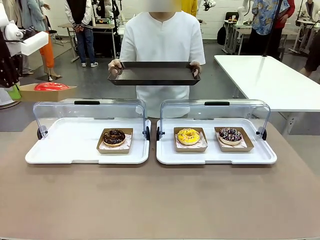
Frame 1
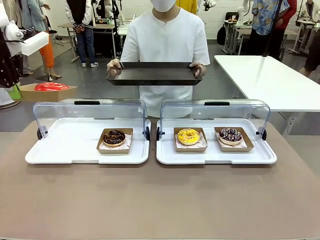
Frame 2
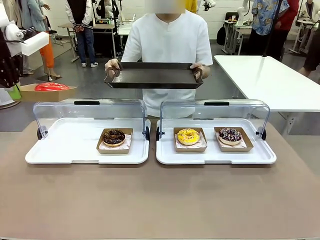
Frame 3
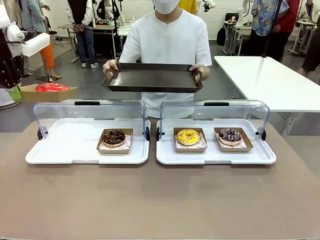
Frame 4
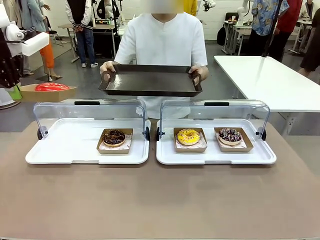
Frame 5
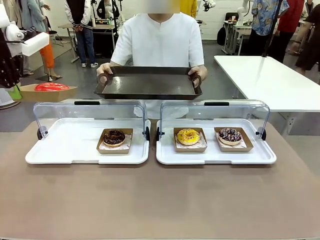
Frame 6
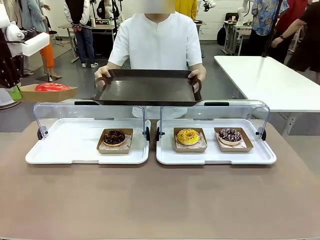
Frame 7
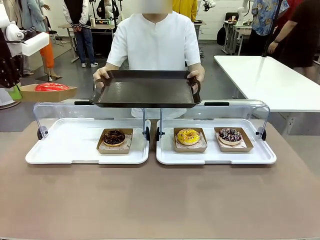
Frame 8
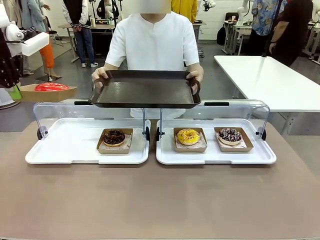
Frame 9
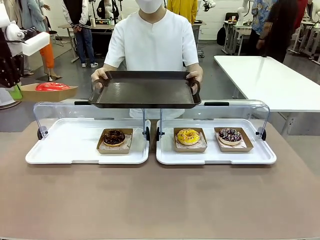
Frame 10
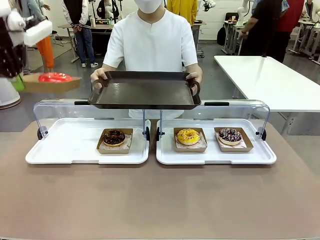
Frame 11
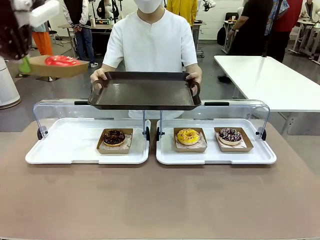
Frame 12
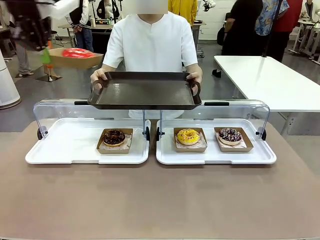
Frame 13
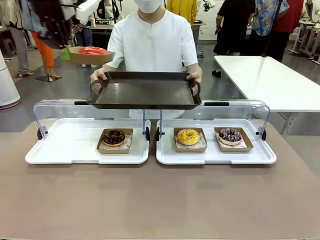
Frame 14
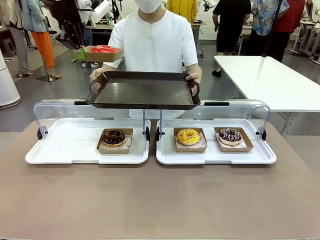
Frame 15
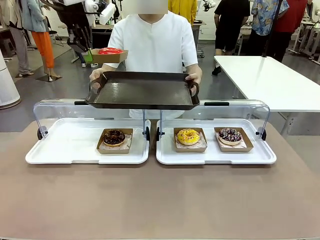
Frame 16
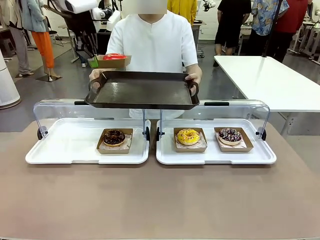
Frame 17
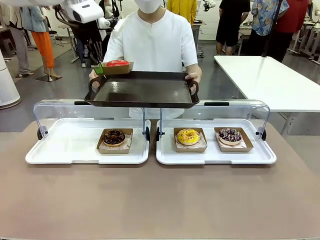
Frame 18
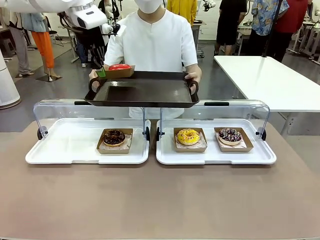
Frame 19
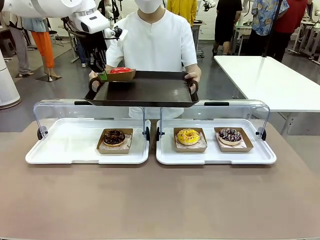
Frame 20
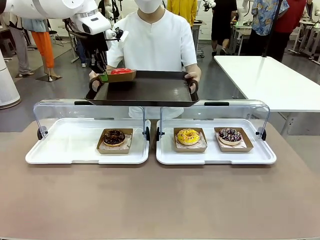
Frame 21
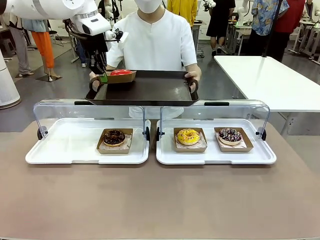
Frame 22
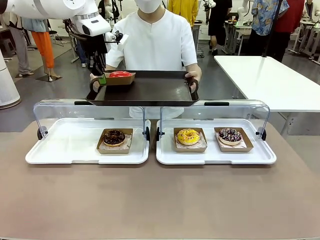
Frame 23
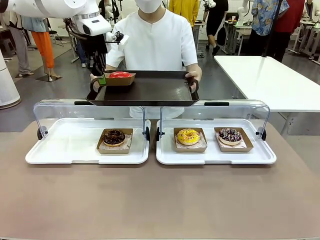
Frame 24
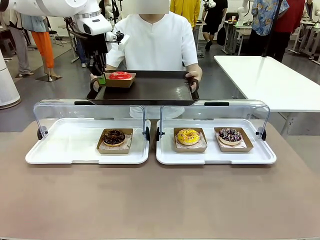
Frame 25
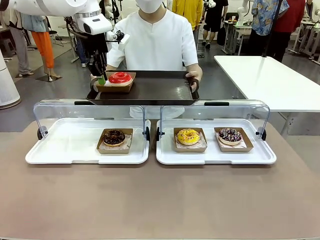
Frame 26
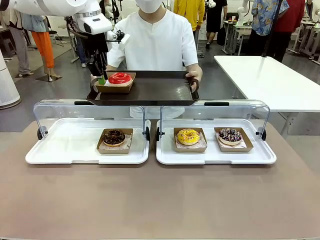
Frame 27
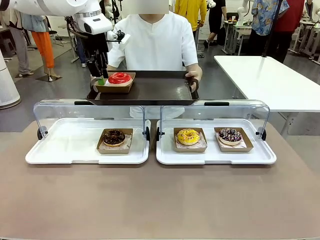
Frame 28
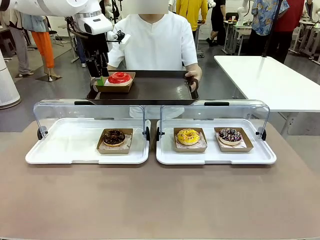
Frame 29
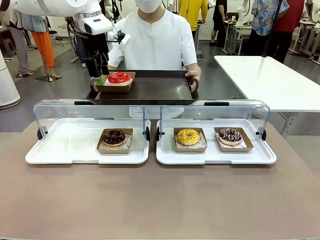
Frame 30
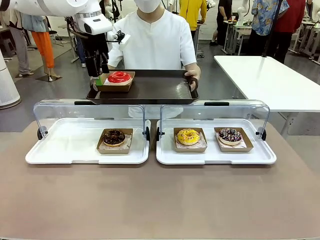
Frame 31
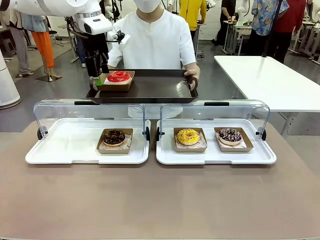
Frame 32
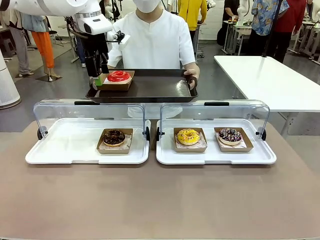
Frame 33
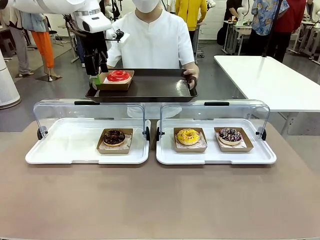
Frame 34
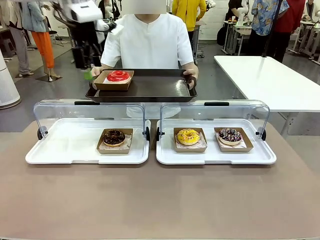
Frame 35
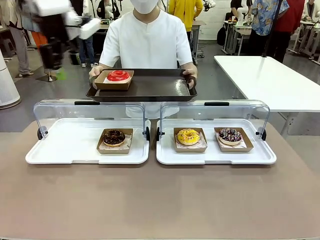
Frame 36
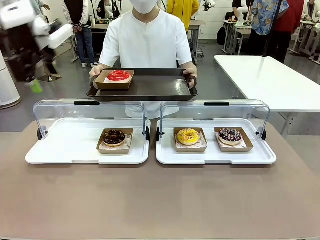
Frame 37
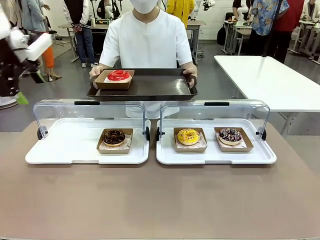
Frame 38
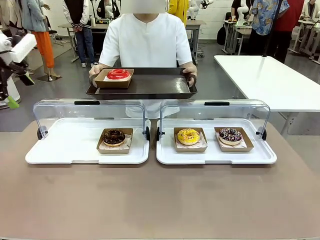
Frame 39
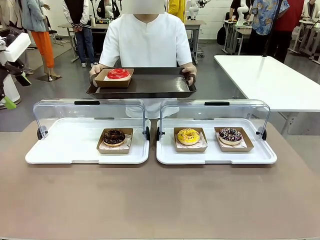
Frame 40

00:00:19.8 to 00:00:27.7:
Task: Provide the desired donut to the person.
Robot: Place the picked Paper togo box onto the Handle tray extended by the person.

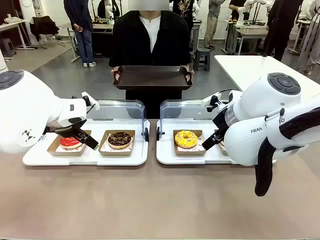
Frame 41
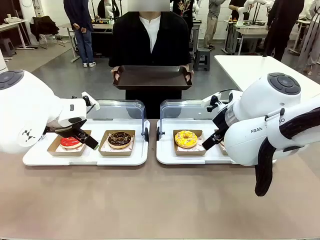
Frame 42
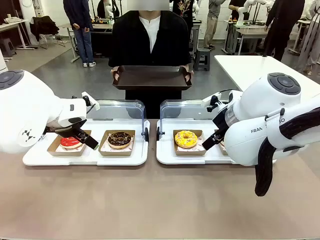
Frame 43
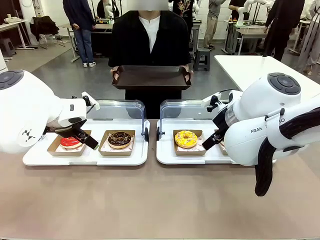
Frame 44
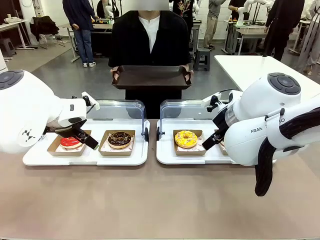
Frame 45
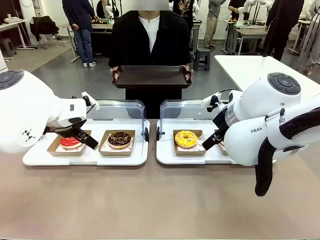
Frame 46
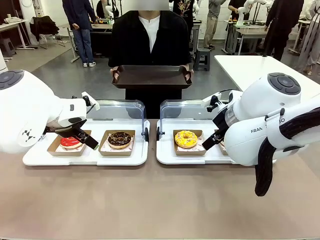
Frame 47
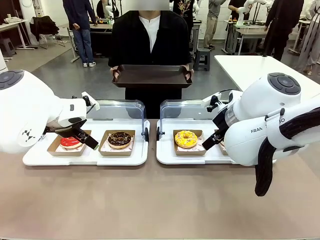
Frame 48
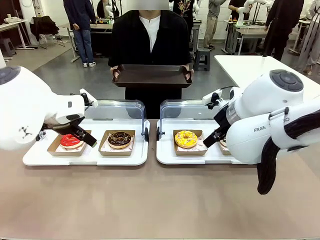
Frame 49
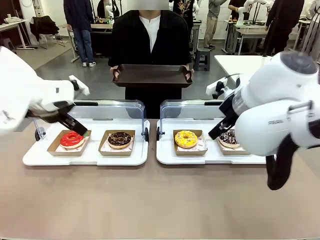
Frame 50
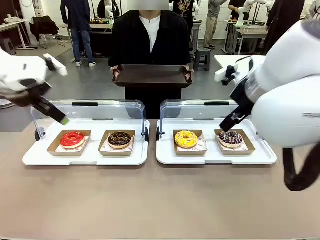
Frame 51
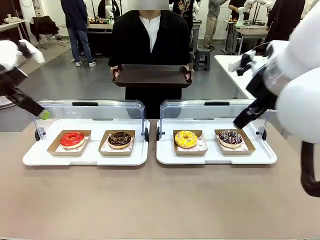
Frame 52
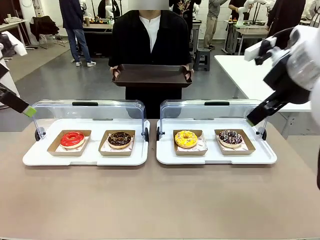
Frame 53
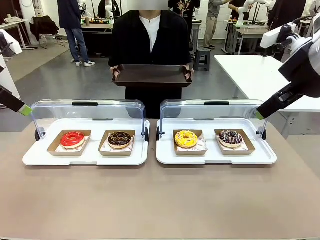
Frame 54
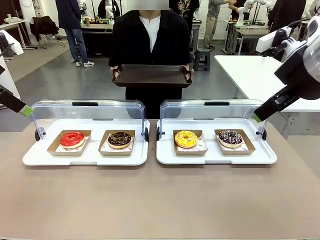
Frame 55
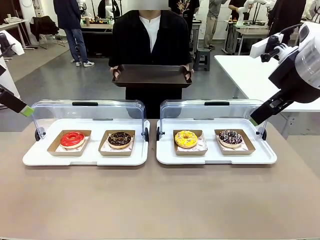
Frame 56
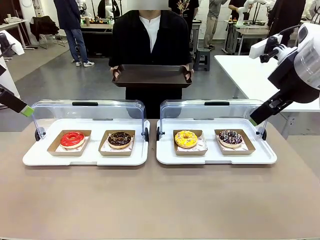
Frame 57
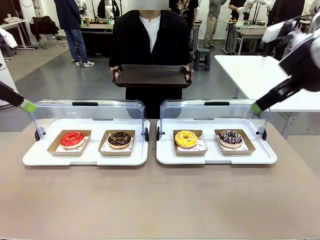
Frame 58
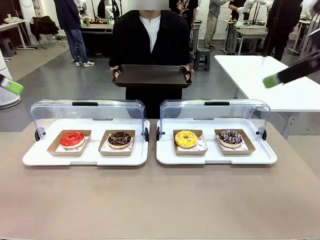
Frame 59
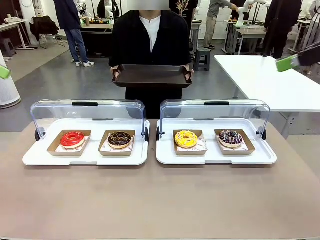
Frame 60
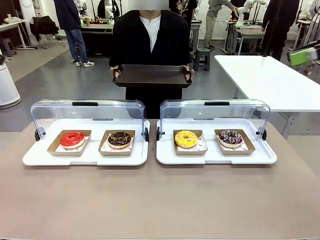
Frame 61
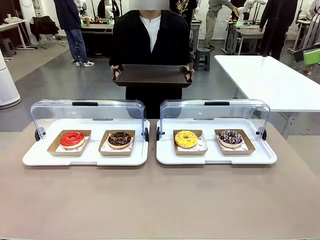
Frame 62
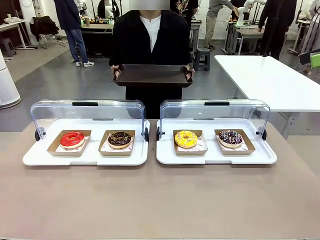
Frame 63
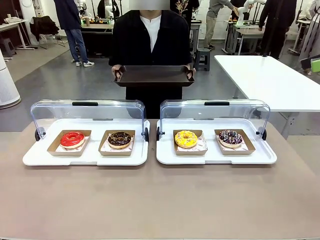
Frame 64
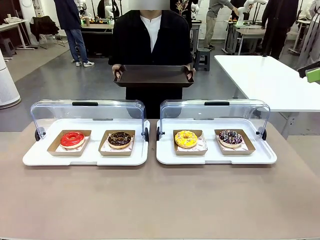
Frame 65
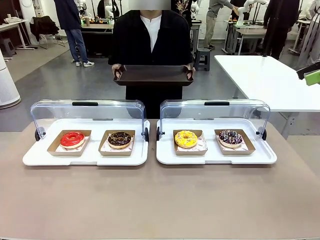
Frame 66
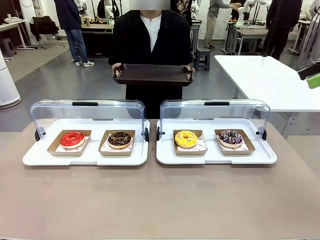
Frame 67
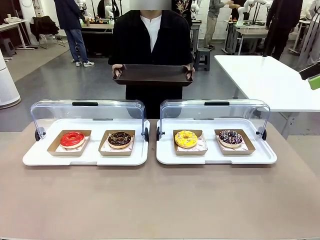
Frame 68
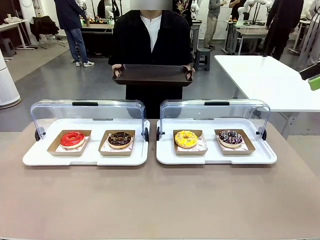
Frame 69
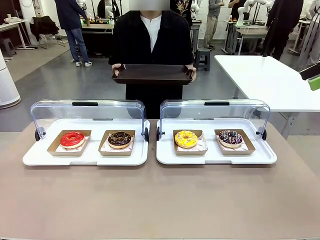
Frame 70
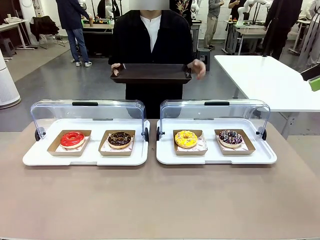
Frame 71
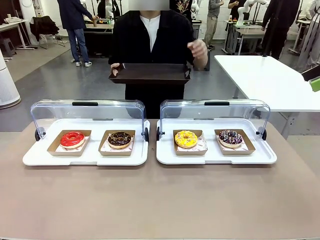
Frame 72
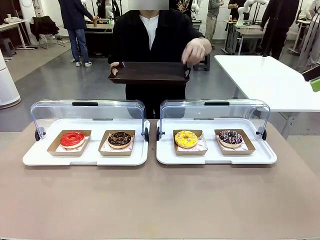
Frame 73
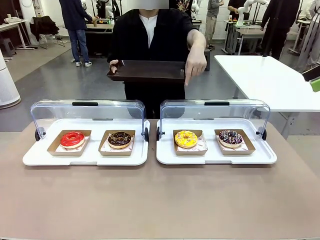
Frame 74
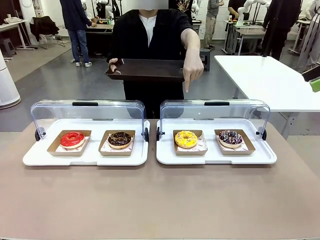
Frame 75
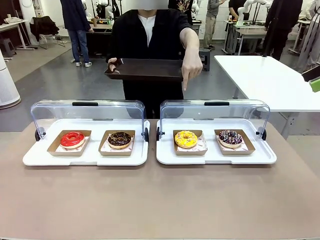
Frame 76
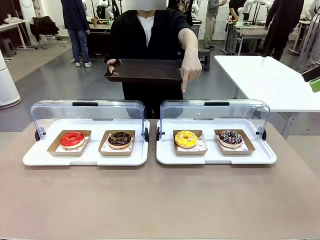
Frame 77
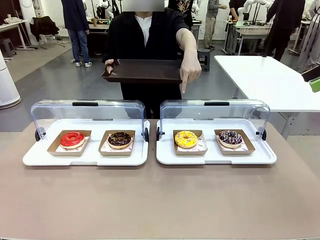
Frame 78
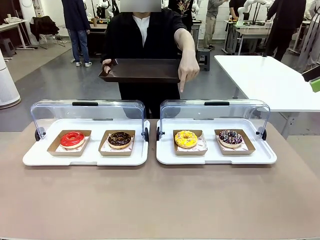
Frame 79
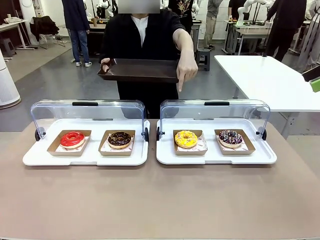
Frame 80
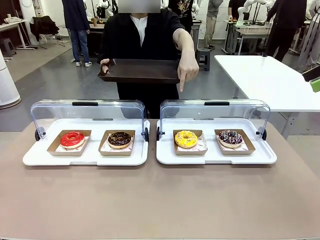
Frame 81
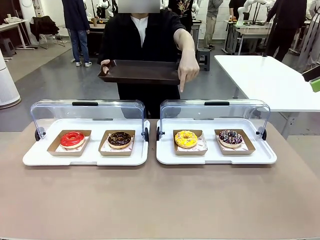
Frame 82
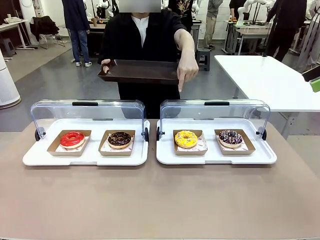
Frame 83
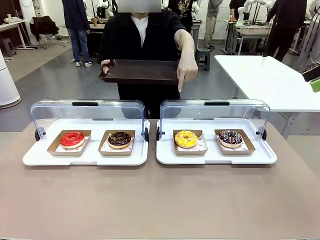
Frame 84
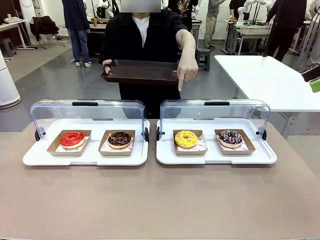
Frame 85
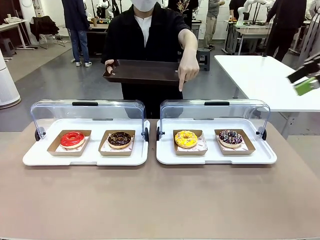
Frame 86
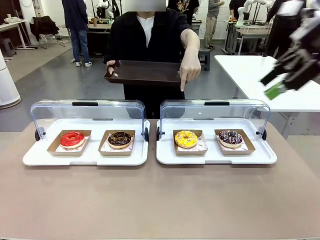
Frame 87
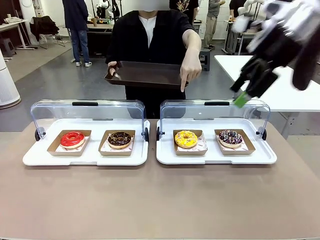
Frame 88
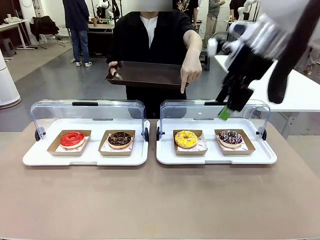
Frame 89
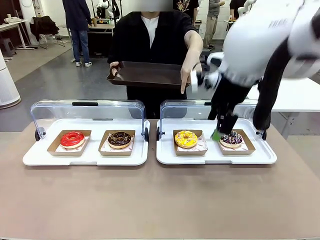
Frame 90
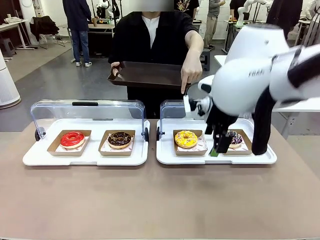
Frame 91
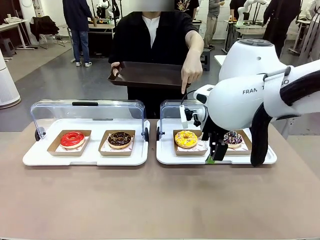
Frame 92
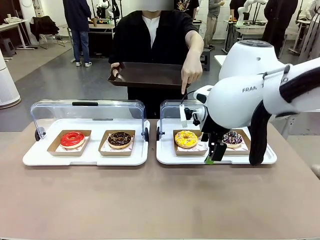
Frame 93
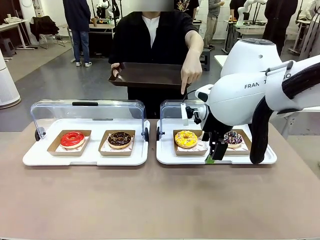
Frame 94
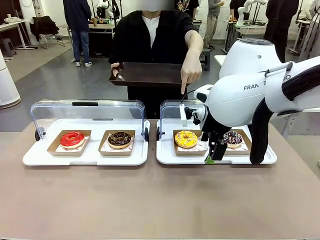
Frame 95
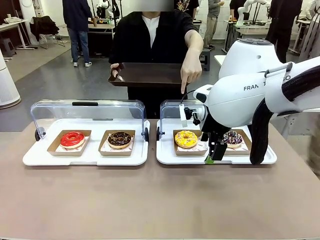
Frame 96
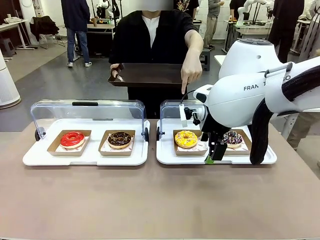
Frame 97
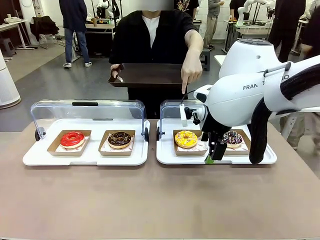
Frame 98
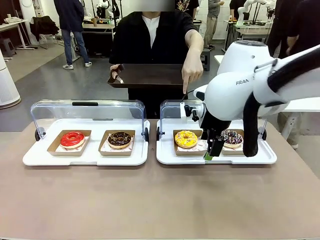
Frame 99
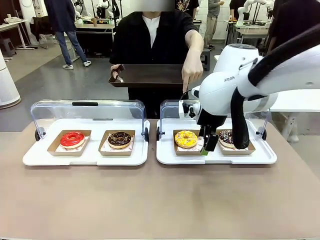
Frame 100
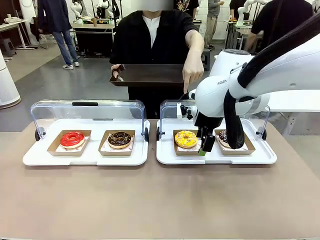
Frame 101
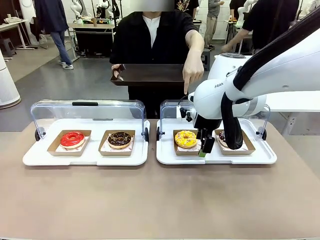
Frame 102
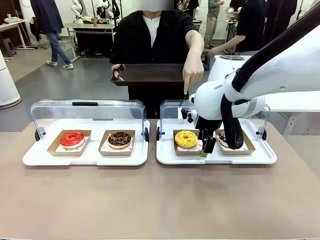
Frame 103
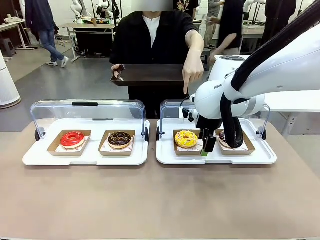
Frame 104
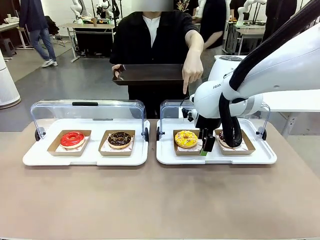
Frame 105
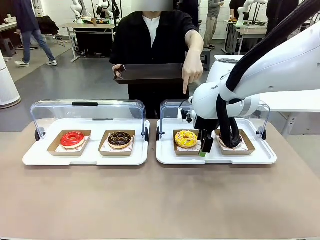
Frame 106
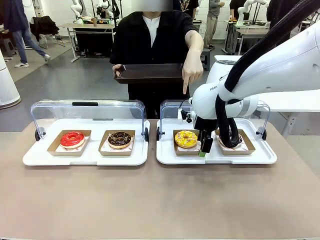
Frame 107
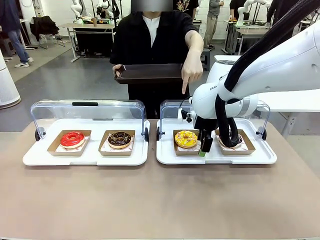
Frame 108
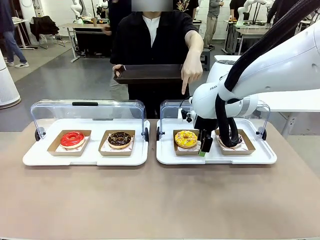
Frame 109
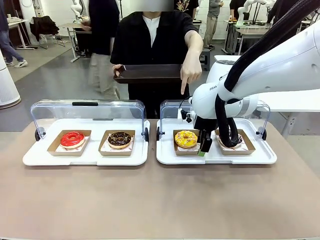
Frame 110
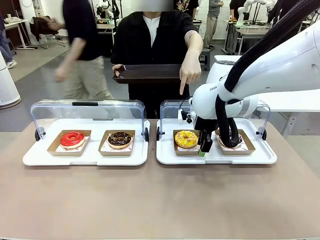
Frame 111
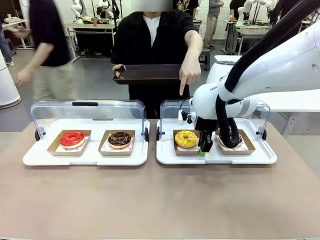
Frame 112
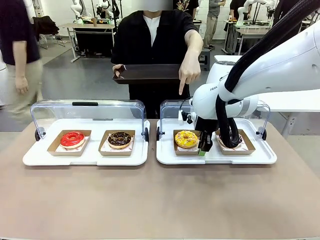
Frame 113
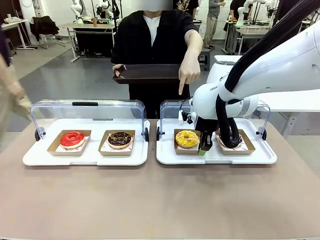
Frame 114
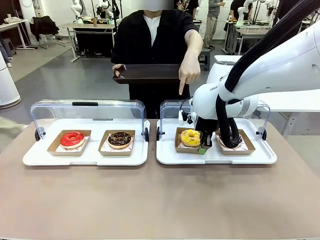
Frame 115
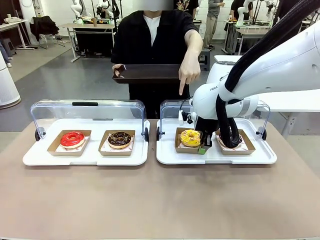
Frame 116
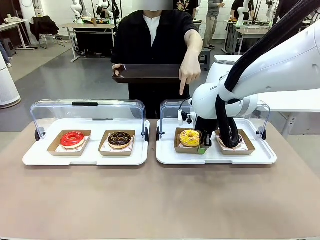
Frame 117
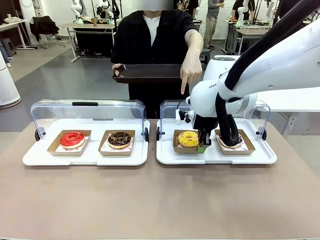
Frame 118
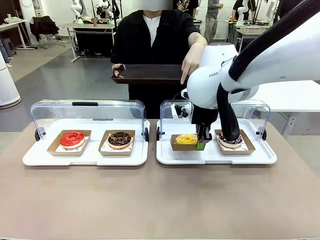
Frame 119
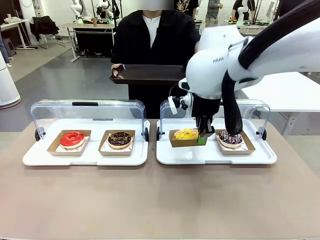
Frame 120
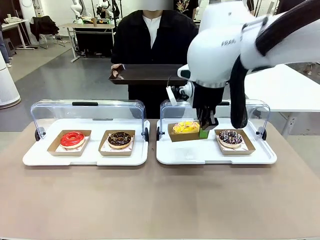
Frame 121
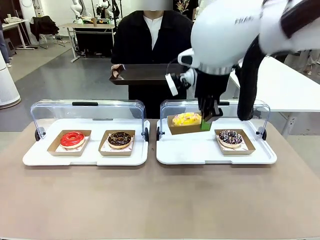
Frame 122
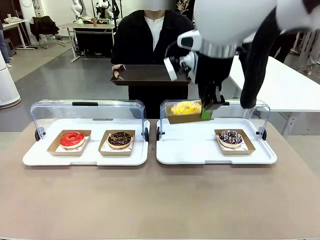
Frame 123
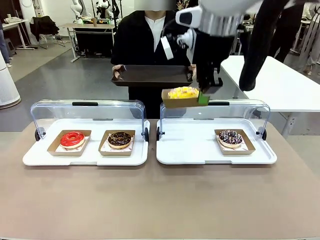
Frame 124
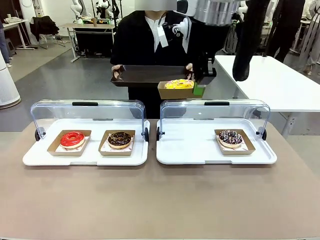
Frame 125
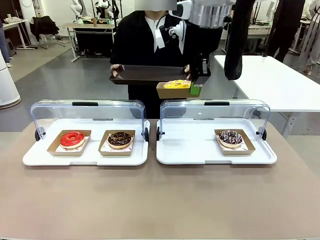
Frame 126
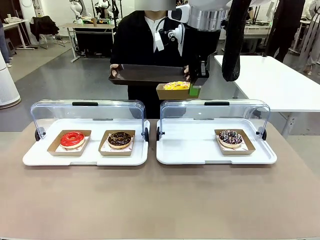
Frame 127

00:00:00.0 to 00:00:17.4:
Task: Provide the desired donut to the person.
Robot: Pick up and lift the Paper togo box containing the Donut pointed at by the person.
Person: Point to one donut. Lift the tray onto the Roll-Top Bakery Case.
